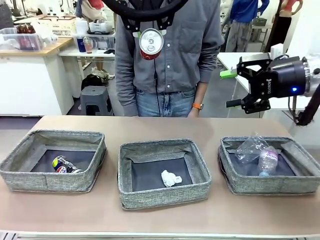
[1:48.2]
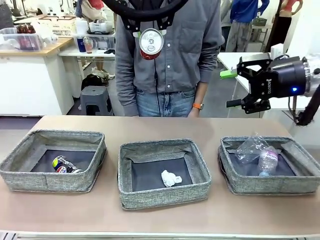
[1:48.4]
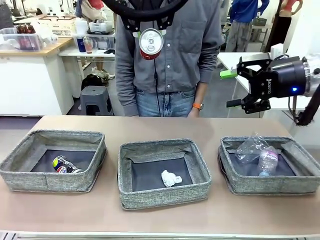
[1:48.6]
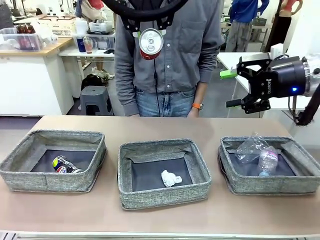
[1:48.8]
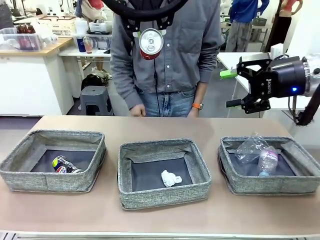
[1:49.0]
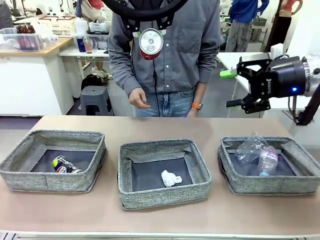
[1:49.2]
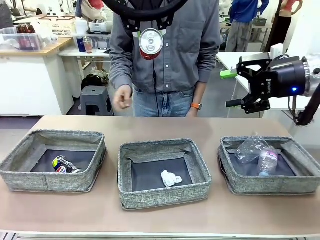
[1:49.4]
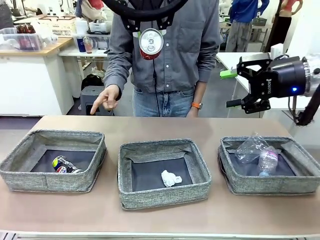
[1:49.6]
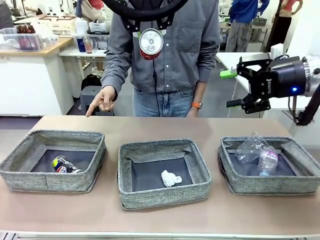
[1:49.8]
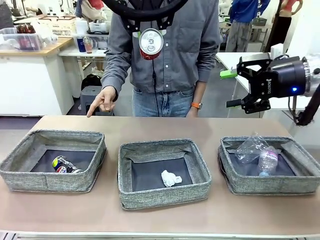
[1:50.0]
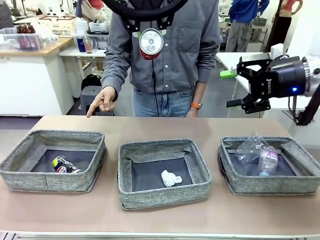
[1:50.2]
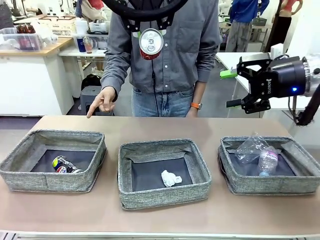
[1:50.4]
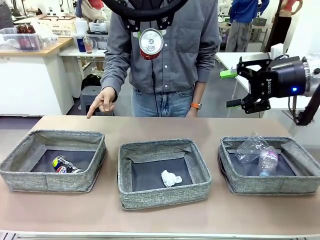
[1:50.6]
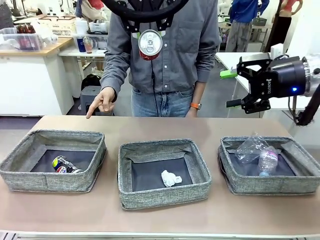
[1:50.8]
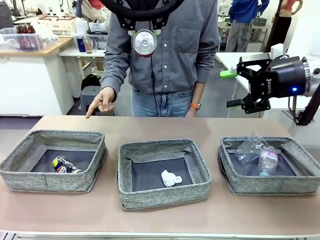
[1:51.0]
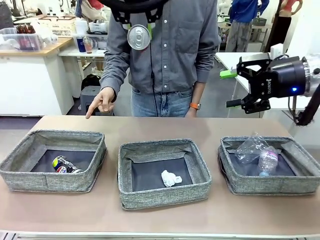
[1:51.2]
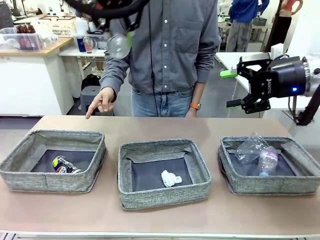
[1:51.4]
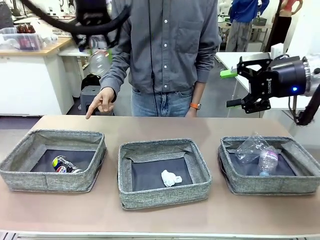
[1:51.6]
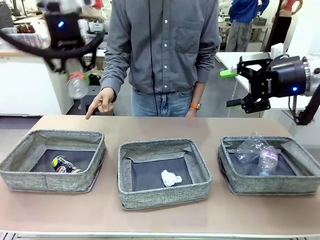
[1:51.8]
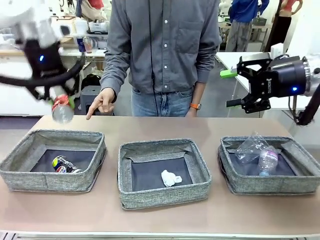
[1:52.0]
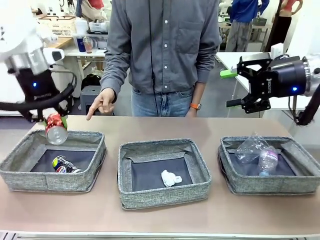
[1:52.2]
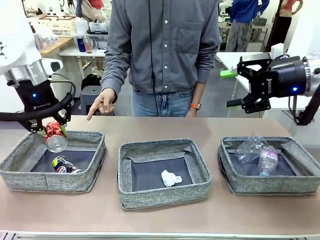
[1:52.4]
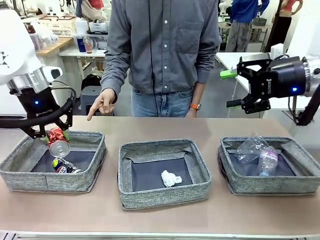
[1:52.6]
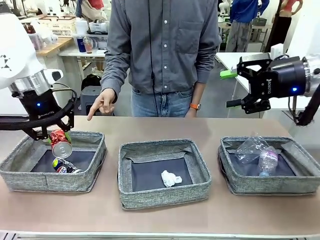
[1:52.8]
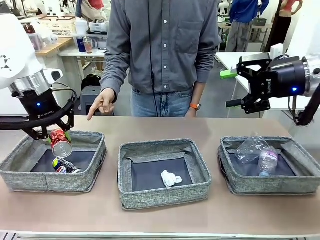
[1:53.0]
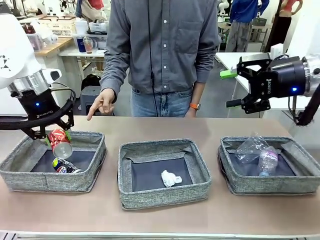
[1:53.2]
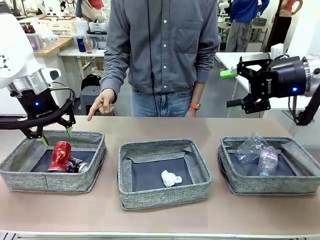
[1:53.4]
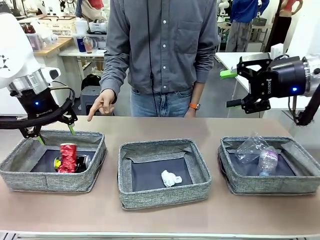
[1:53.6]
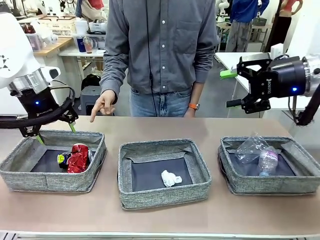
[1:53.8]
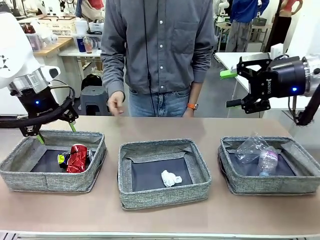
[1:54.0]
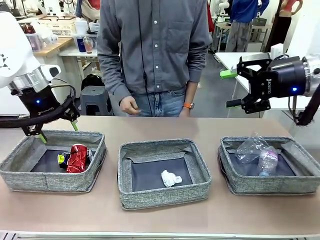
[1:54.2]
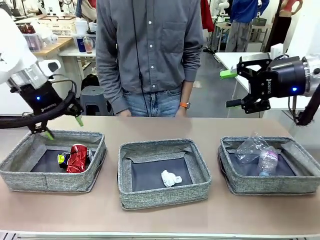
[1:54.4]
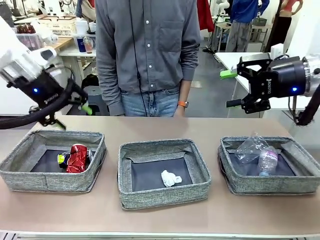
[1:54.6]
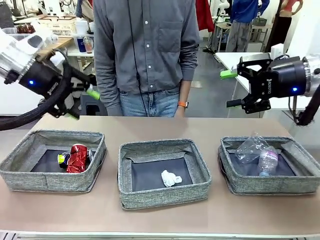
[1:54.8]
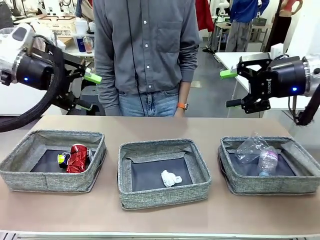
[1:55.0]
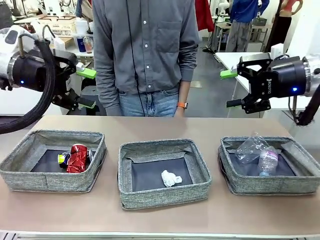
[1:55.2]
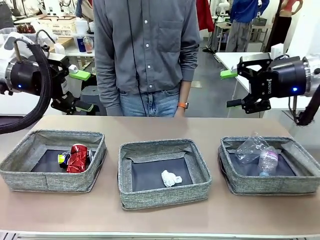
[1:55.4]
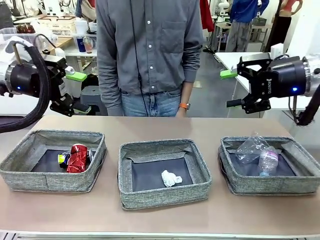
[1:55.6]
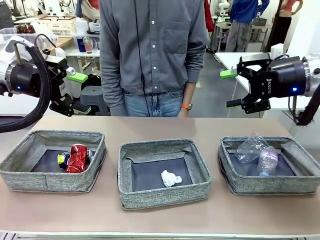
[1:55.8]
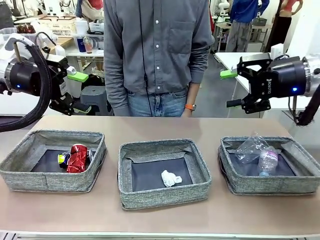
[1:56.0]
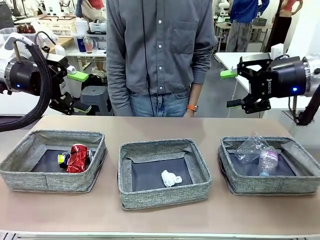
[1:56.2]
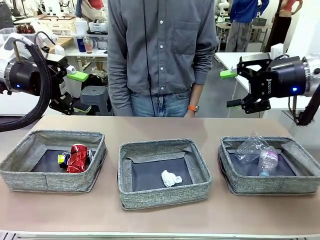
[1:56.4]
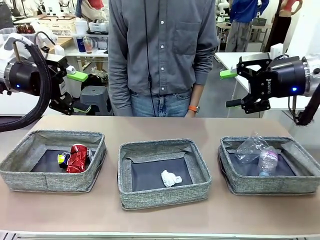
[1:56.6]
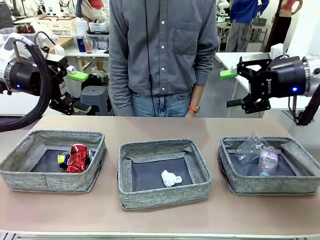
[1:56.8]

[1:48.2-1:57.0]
Task: Sort the waste into the appropriate baskets.
Robot: Place the picked waste into the Fabric basket indicated by the person.
Person: Instructs the robot to place the picked-up trash into the appropriate organizing basket.

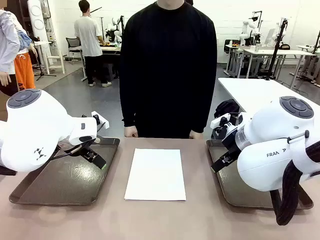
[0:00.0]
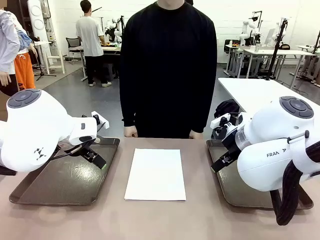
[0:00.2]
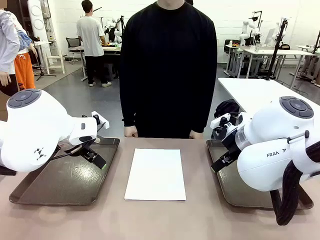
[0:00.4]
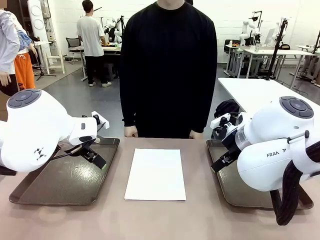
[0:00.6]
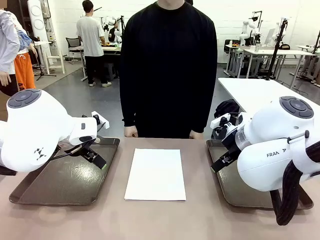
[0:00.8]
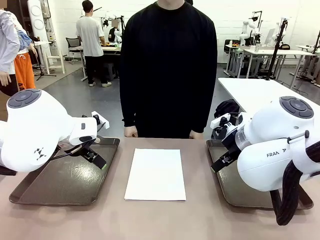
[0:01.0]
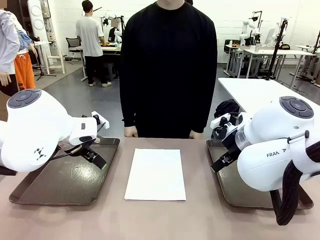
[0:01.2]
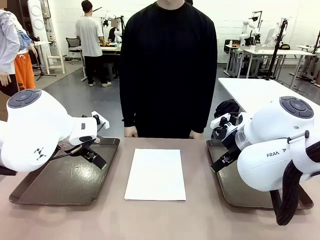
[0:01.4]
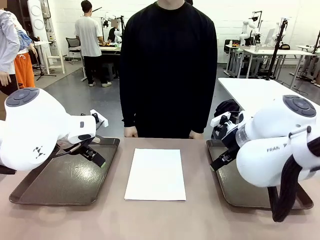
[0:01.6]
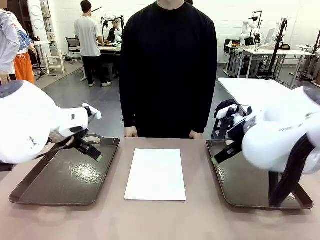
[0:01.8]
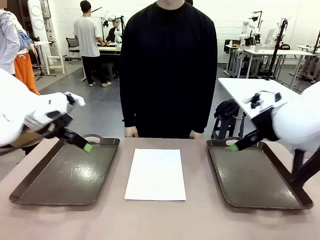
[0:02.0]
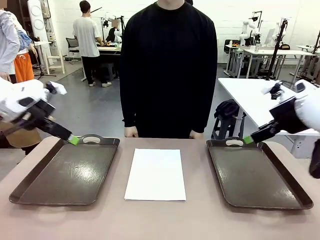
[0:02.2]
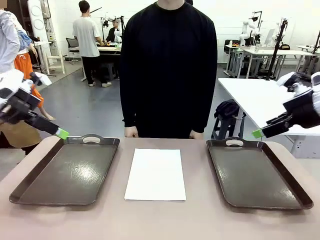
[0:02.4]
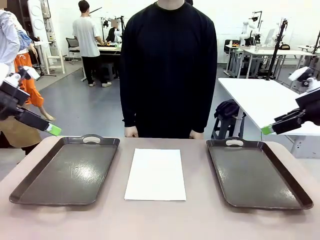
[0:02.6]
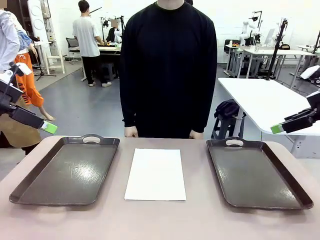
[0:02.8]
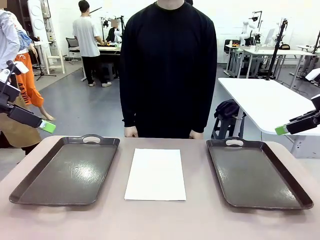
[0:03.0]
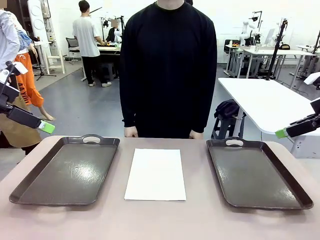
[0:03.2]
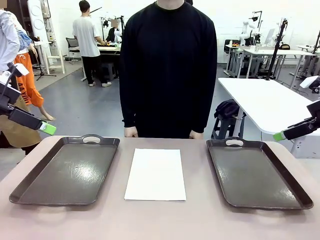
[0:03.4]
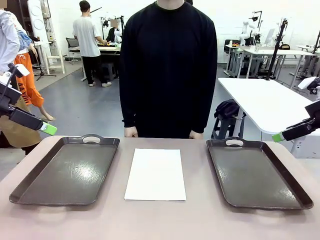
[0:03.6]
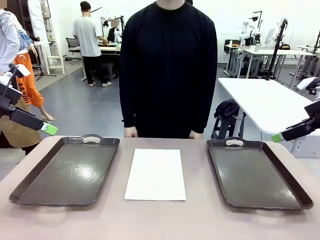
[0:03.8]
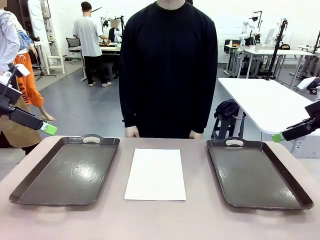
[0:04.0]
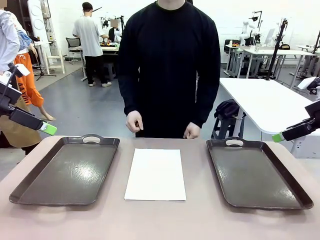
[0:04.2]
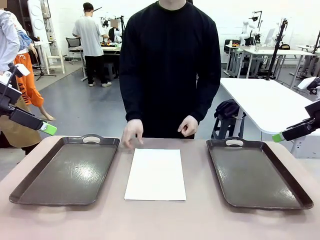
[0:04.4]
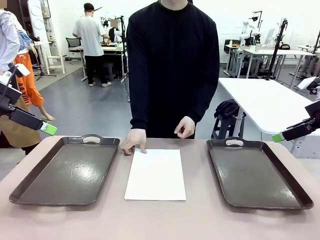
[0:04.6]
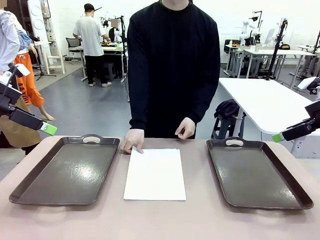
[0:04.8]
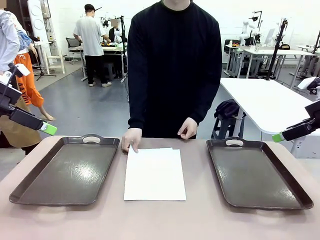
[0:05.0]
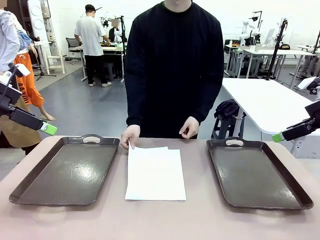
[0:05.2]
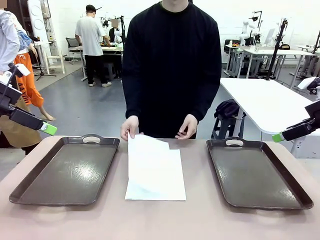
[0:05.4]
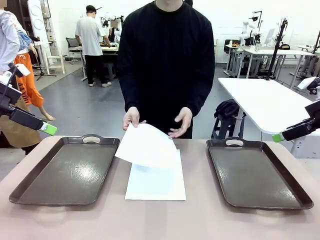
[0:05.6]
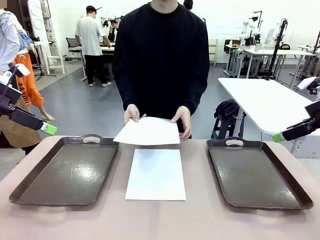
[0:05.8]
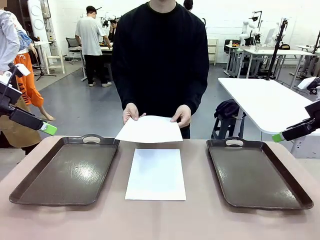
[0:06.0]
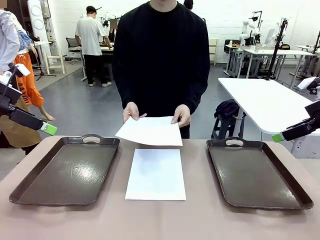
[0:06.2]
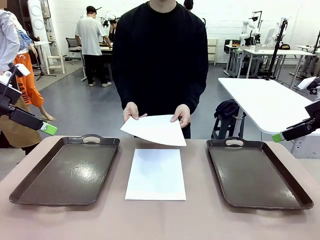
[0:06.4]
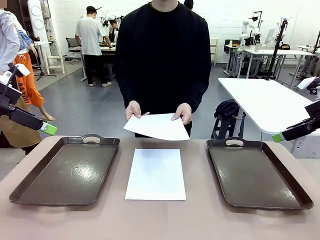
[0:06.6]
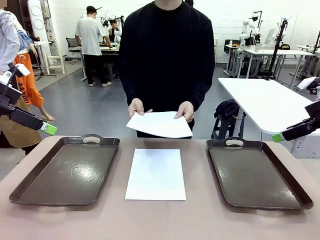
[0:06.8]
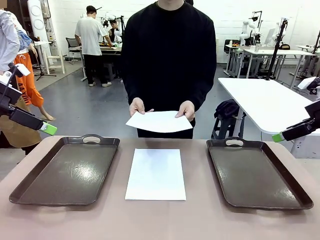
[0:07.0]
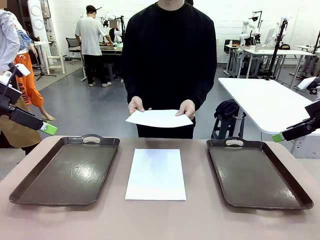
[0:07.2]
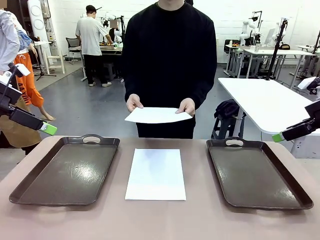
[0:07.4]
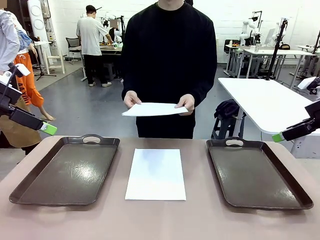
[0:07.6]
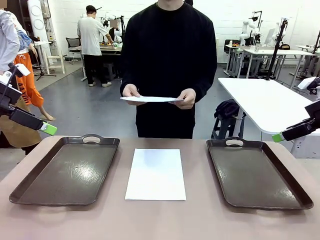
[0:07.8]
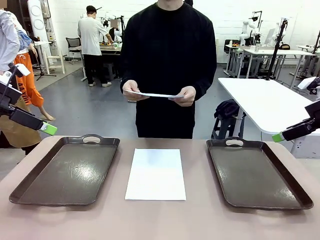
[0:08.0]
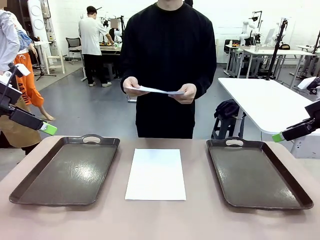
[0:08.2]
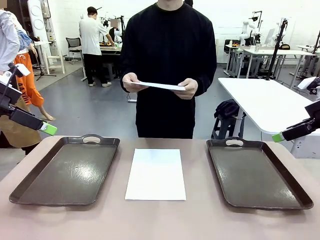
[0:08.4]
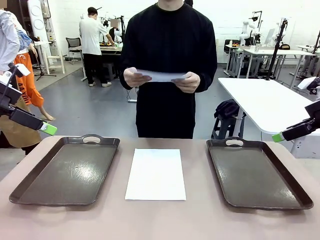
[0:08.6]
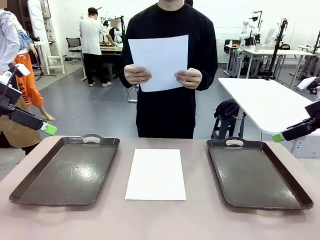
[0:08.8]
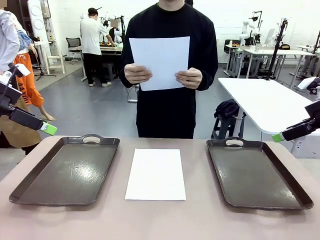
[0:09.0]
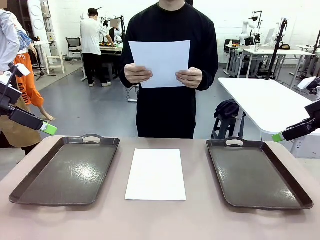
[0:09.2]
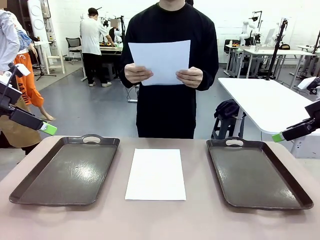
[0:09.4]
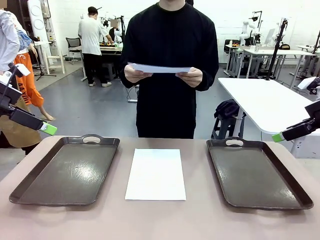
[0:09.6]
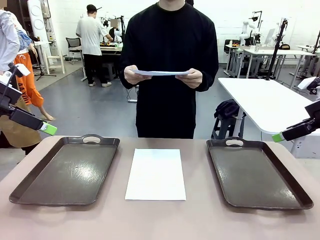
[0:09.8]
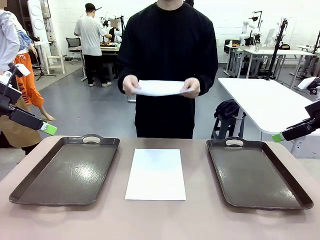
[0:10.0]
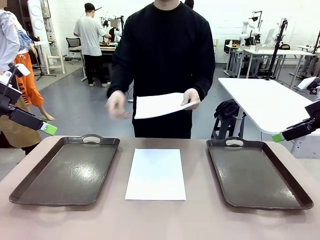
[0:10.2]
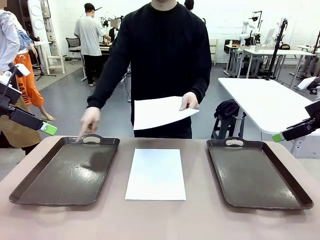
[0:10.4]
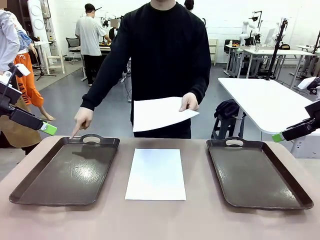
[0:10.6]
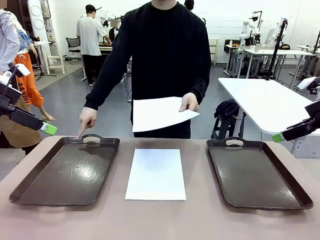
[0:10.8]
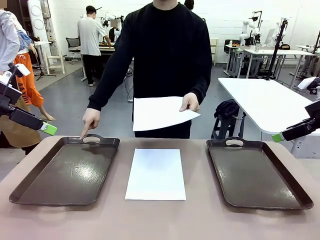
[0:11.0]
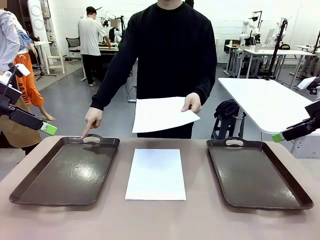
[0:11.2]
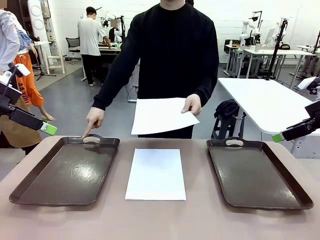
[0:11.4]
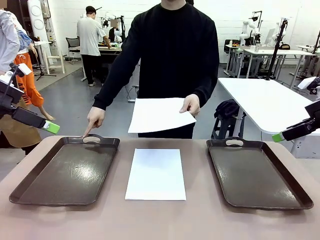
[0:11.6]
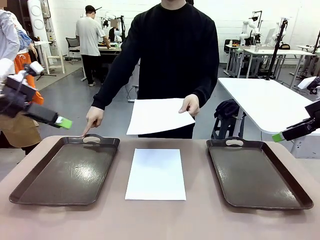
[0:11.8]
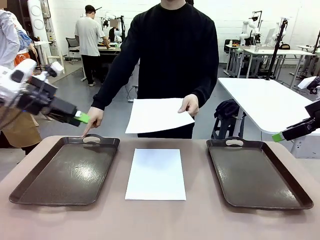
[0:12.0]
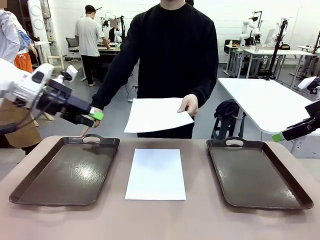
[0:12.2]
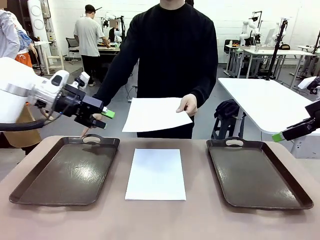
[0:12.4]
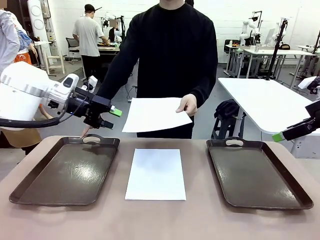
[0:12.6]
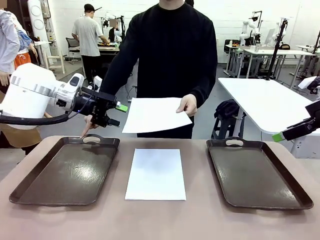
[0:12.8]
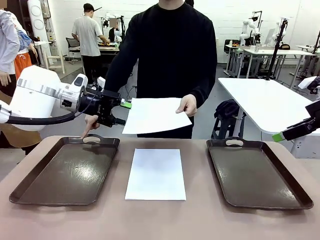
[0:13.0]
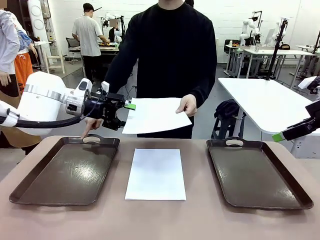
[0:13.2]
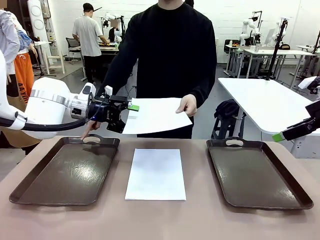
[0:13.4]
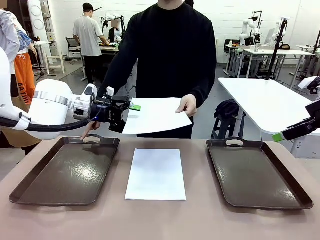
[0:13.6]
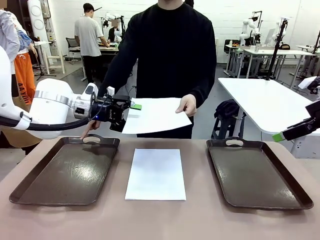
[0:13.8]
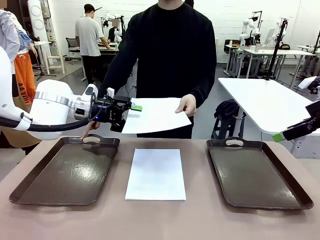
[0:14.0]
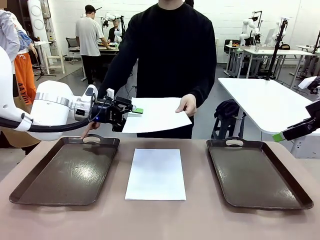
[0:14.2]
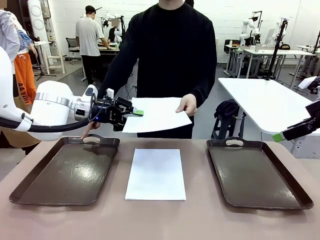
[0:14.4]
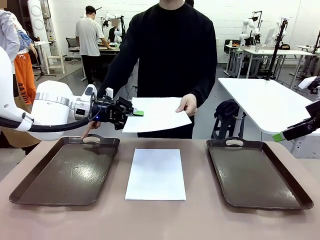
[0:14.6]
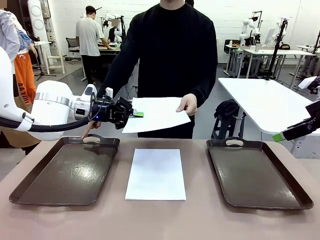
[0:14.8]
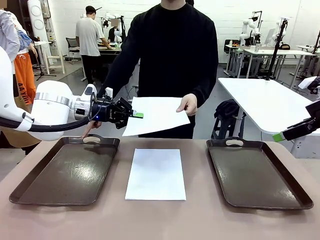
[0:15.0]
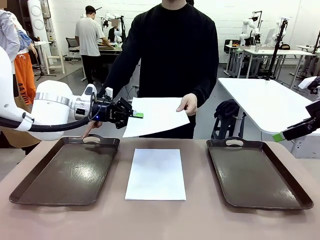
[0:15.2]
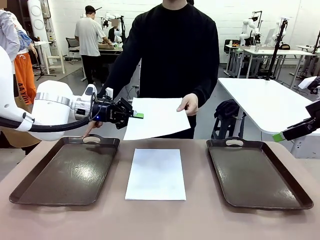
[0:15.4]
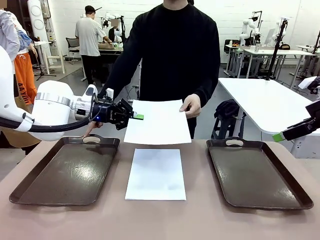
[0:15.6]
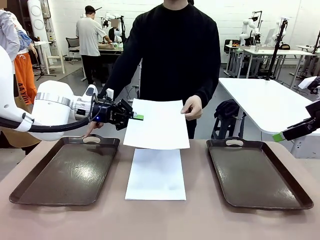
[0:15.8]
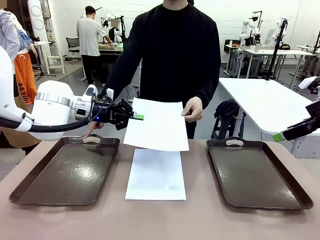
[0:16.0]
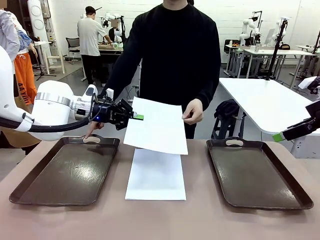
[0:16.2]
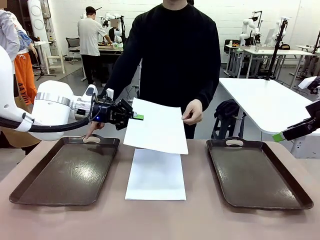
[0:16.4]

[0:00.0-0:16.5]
Task: Sort the A4 documents.
Robot: Receive the A4 Paper.
Person: Pick up a sheet of paper from the center of the table and hand it to the robot. Point the randomly selected tray with the other hand.
